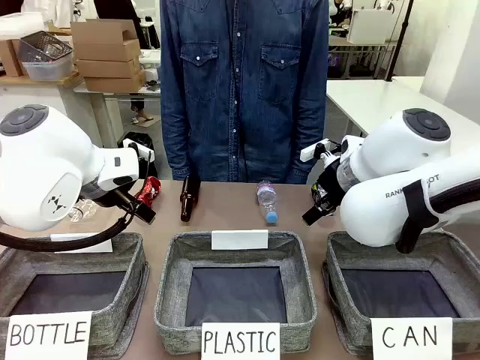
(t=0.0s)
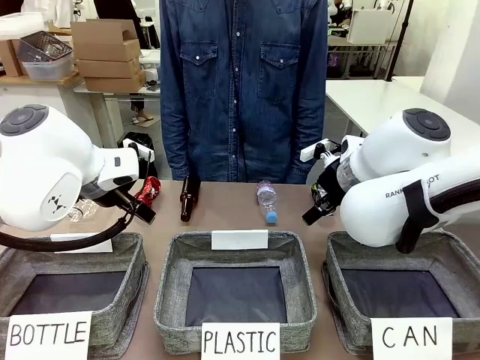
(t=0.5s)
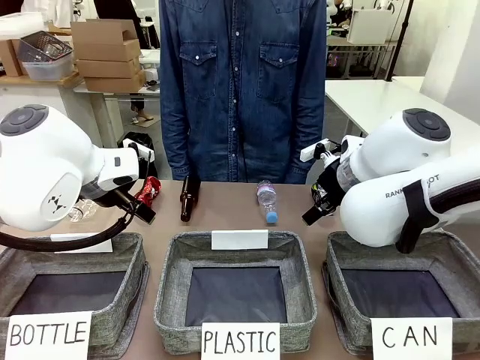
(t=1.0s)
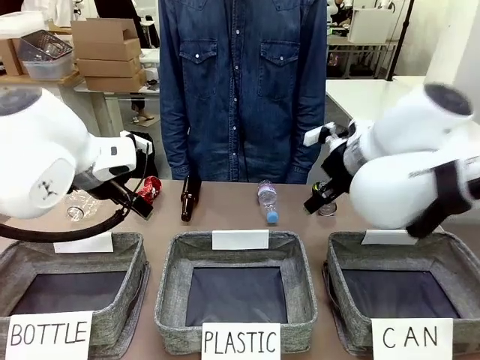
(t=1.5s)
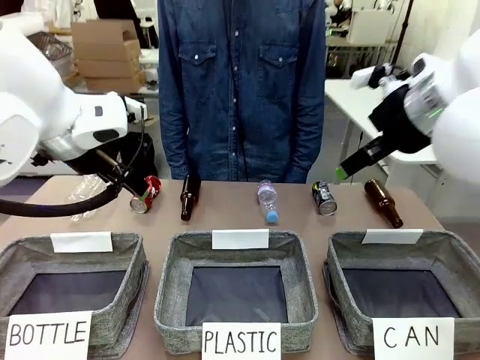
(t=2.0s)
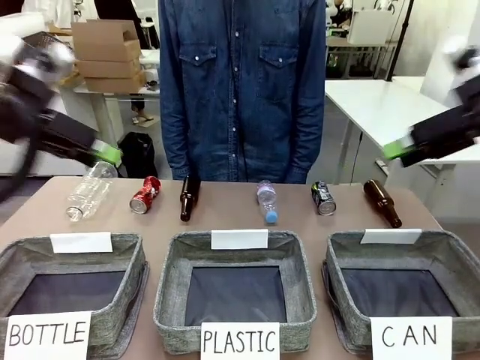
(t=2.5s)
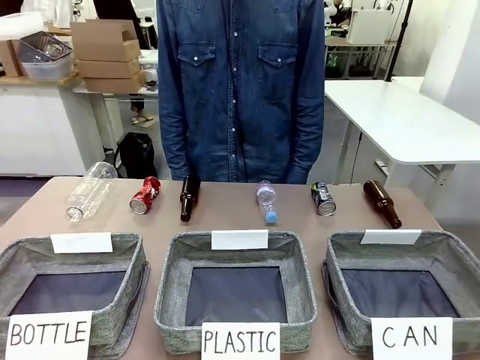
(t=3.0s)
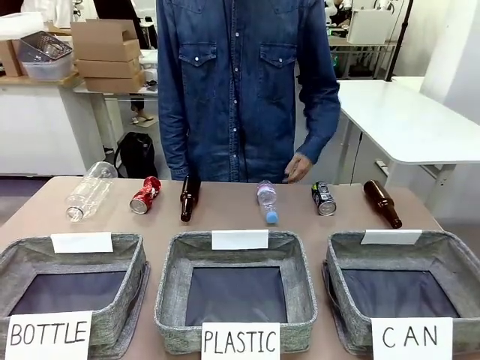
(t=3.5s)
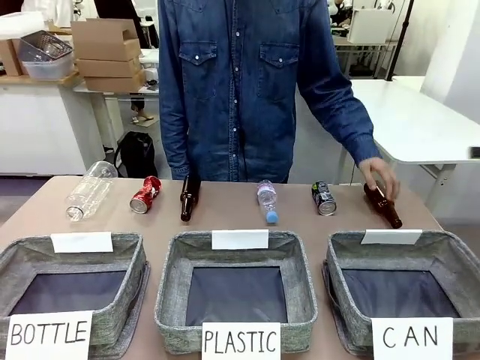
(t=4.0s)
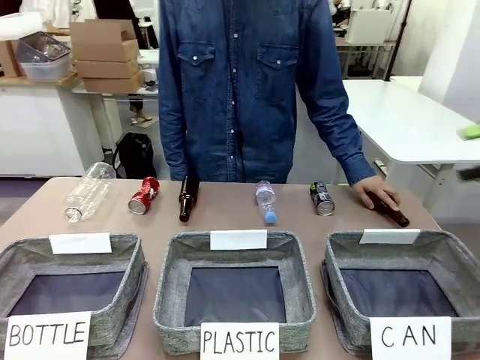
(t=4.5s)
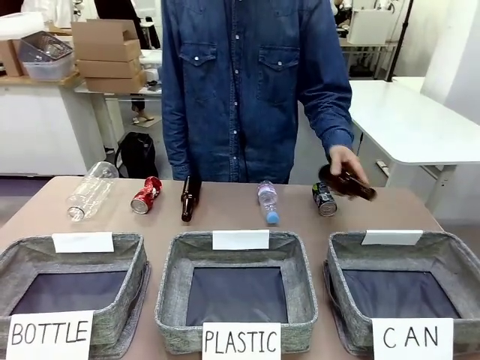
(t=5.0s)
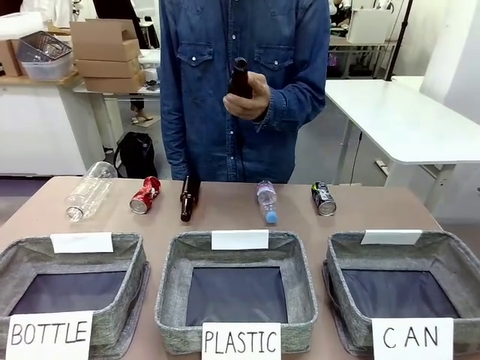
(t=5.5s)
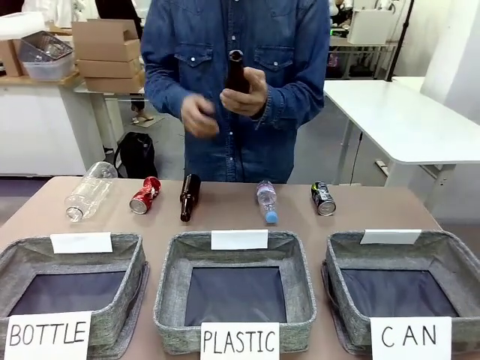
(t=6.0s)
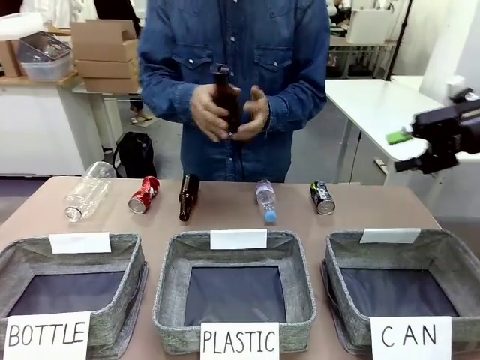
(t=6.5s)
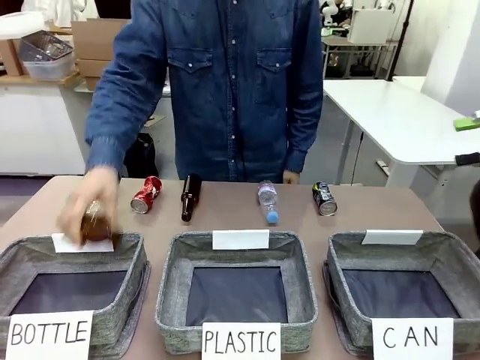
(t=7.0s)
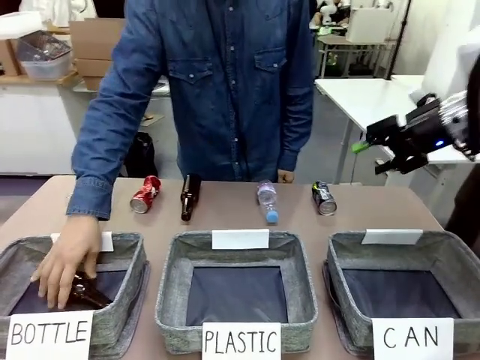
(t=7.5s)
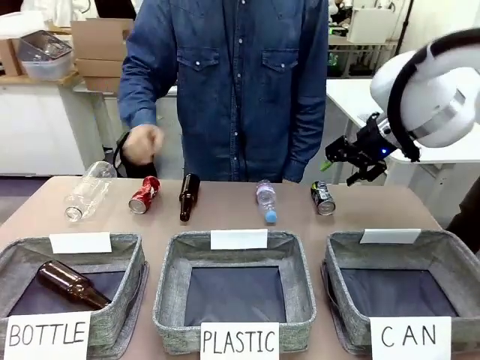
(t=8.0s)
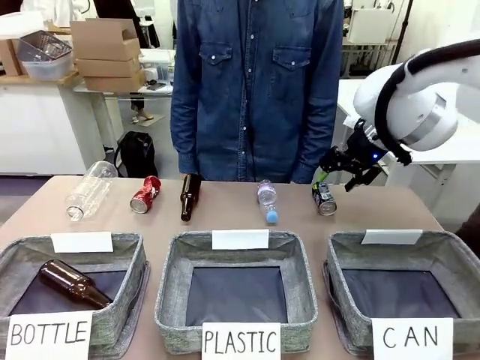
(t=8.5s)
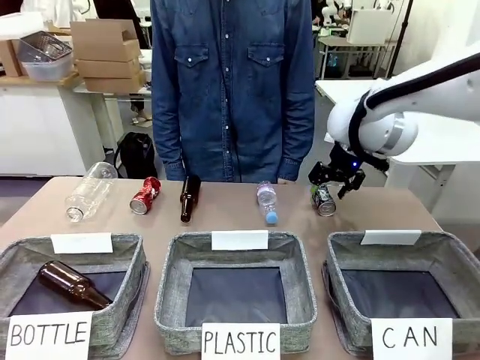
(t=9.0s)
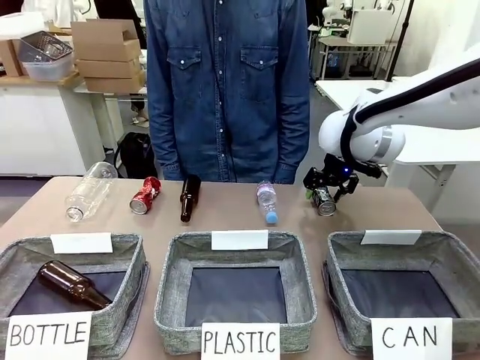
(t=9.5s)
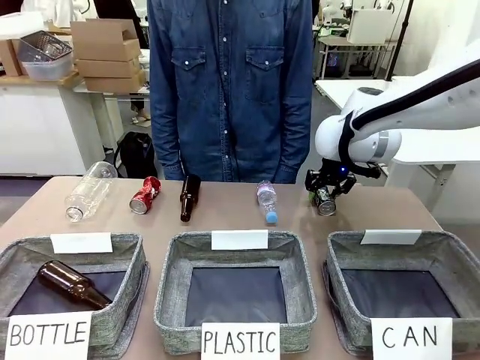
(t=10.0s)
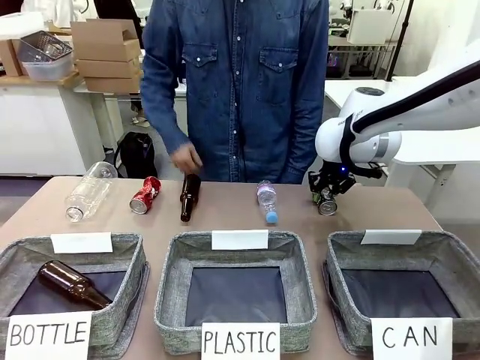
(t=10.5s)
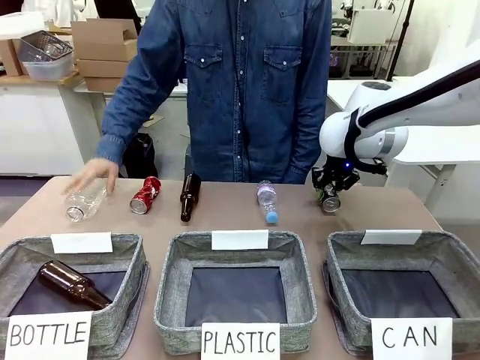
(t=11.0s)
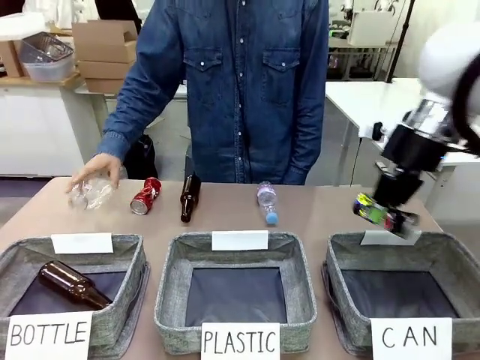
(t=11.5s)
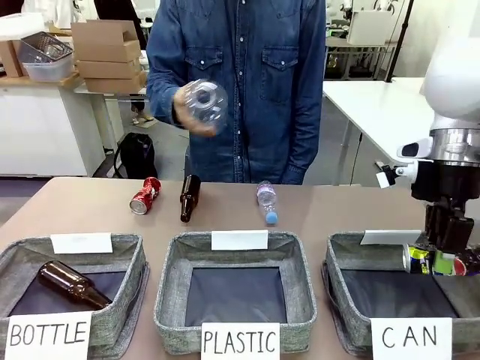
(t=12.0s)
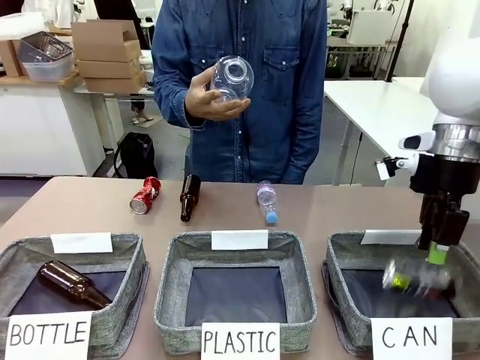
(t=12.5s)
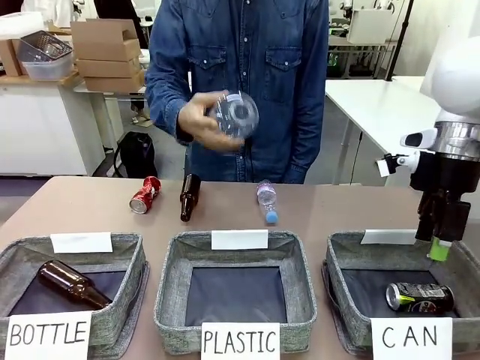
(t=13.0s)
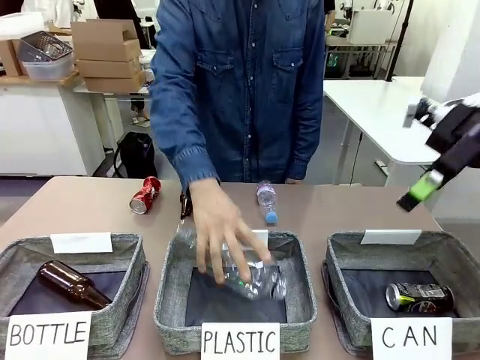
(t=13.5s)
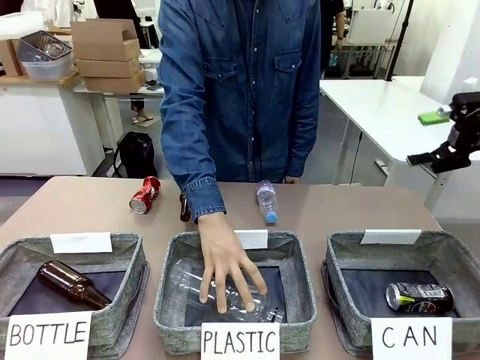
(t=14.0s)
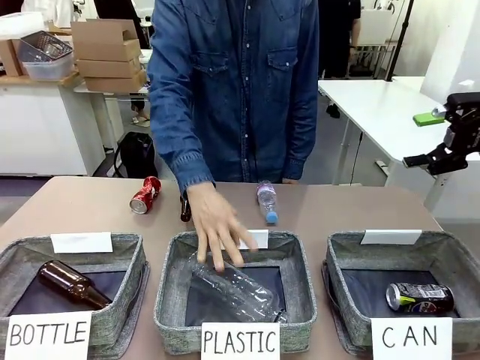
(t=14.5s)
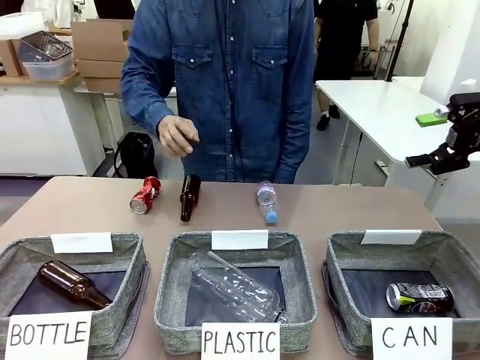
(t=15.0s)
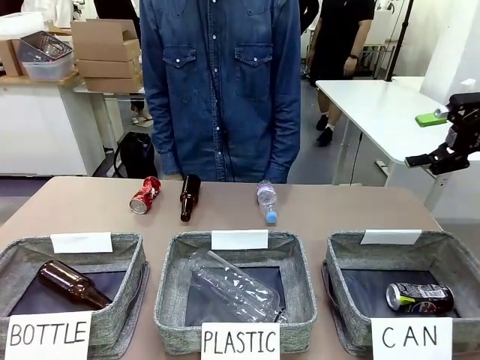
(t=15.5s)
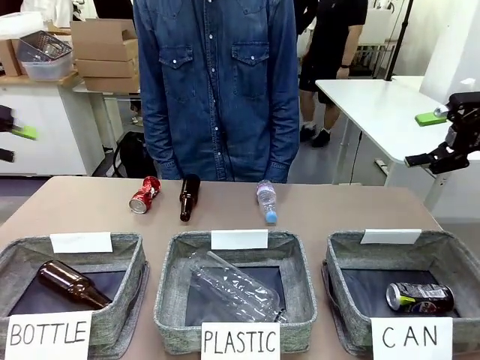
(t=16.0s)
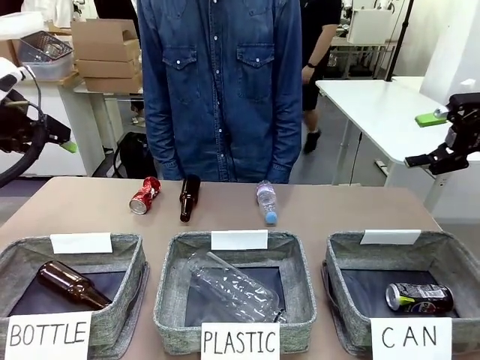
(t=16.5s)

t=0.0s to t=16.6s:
Task: Sort the can waste into the basket.
Robot: Pick up the can waste from the table and place it in the right Fabric basket.
